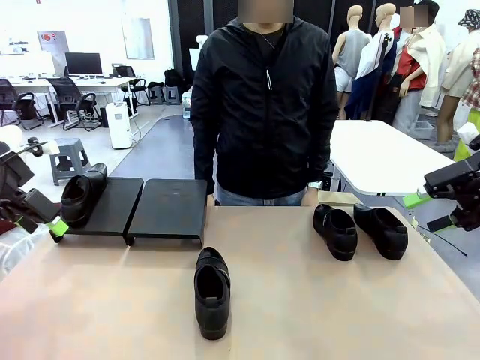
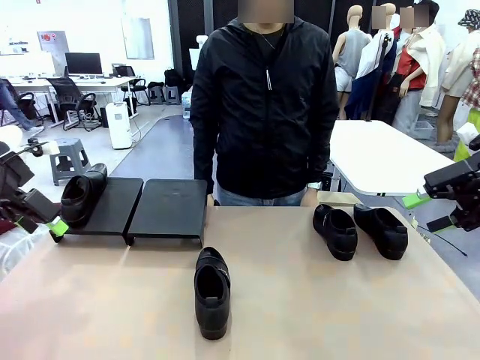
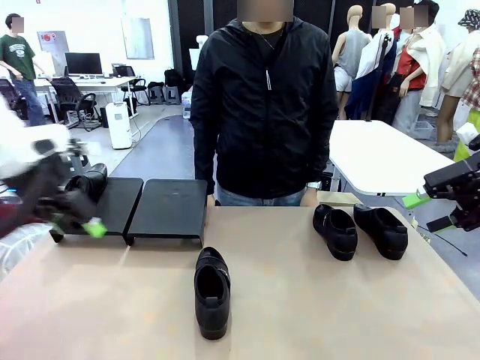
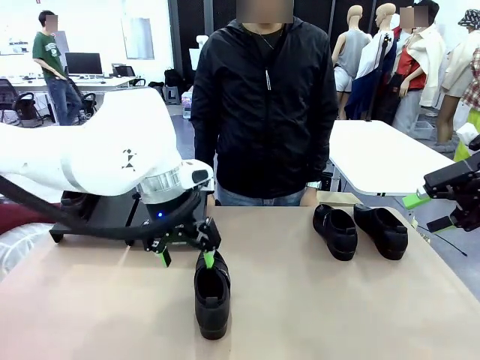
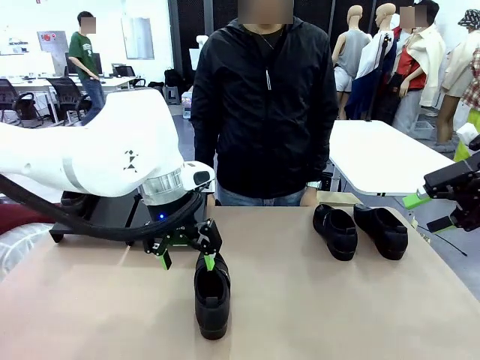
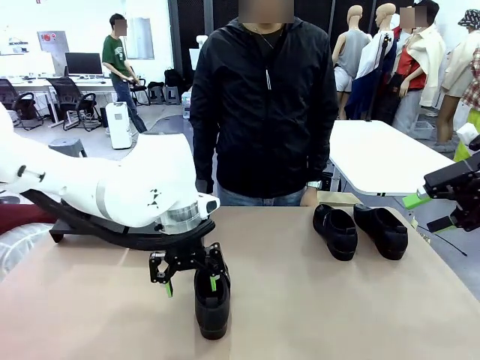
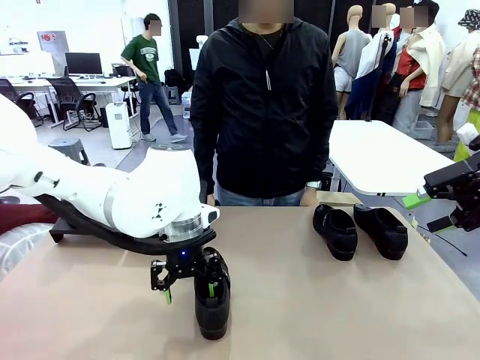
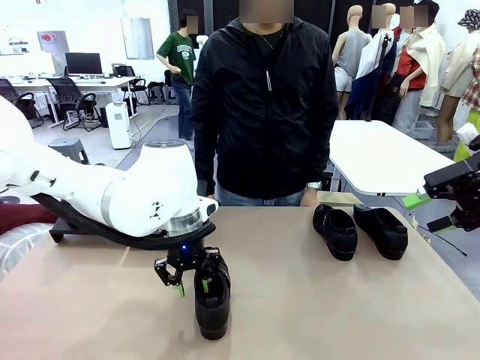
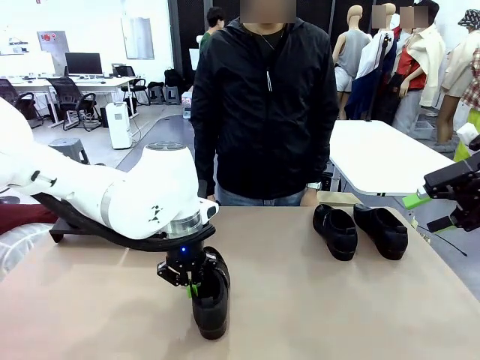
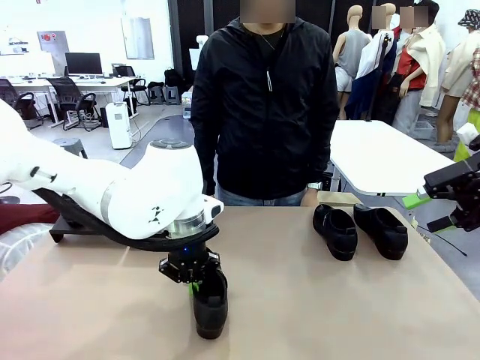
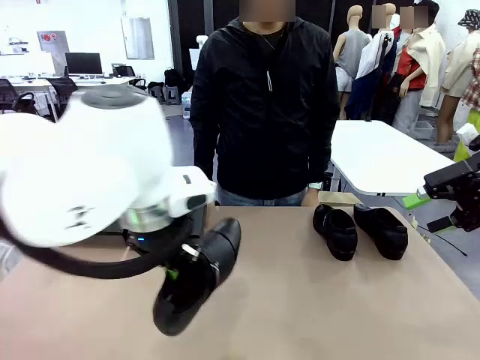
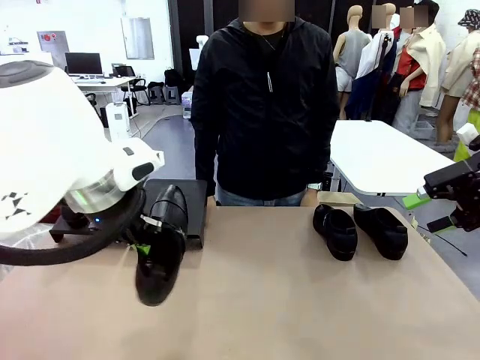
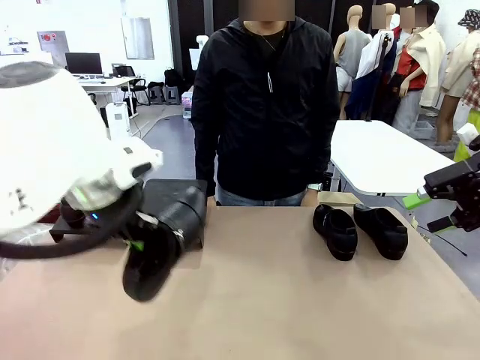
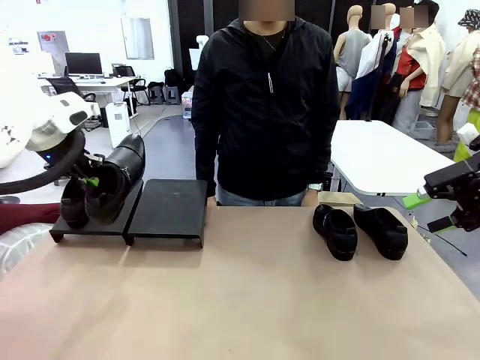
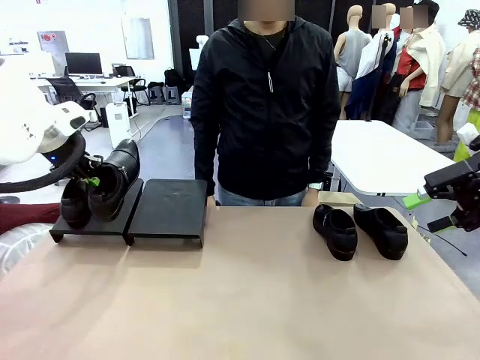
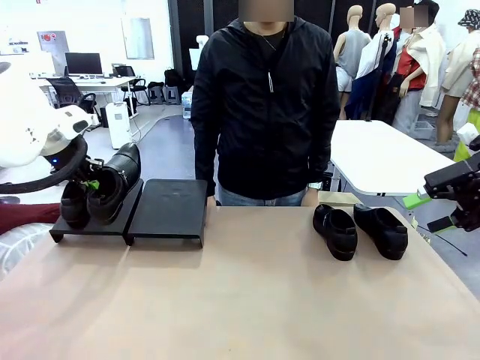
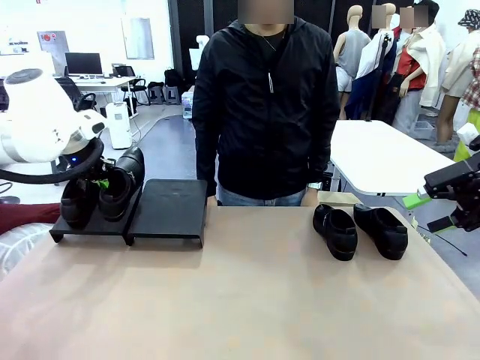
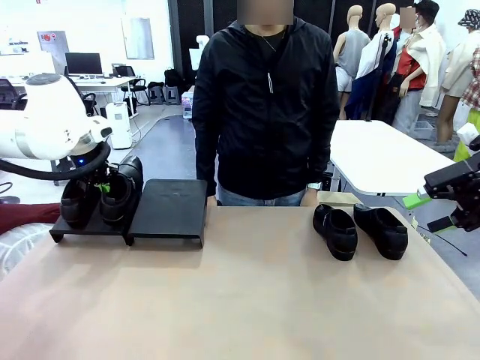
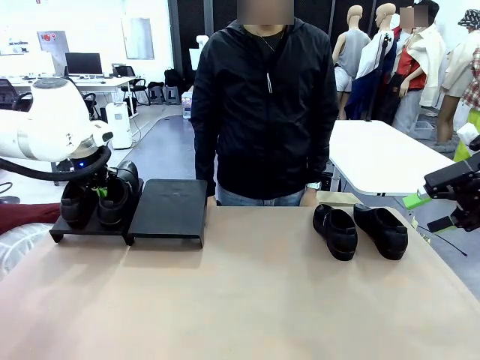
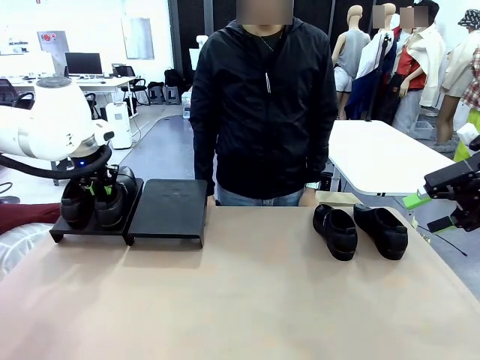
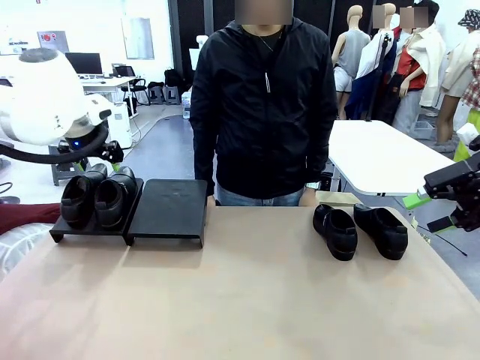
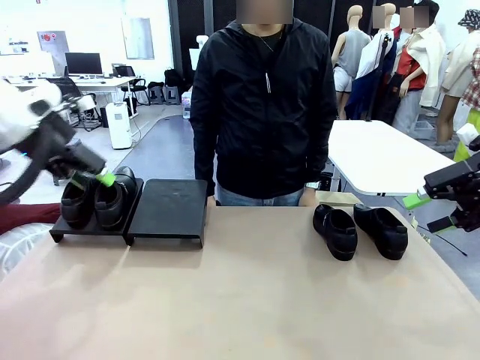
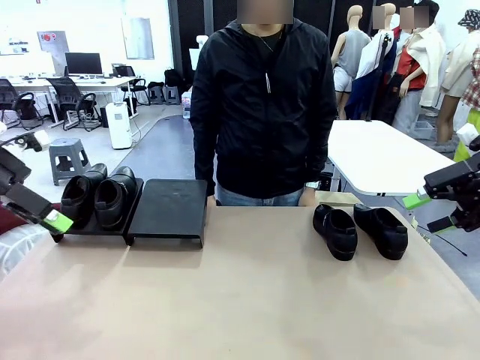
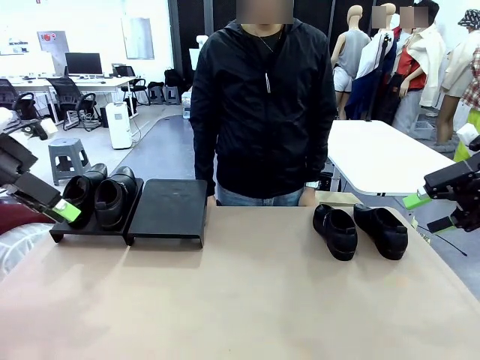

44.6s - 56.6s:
Task: Organize the shoes by placing them on the stand.
Robot: Place the Shoe from the middle of the table onto the Shoes Stand.

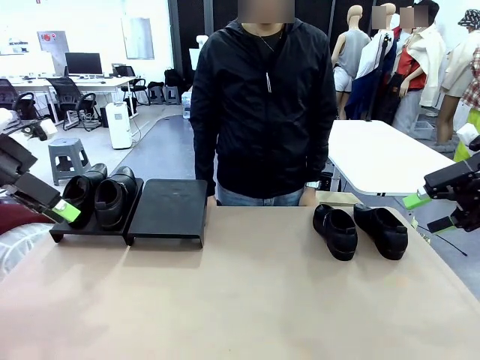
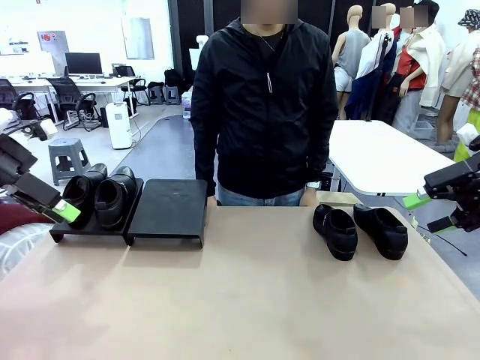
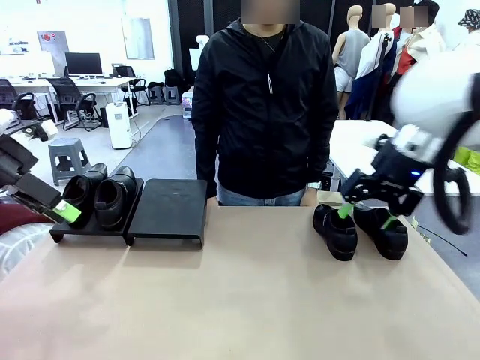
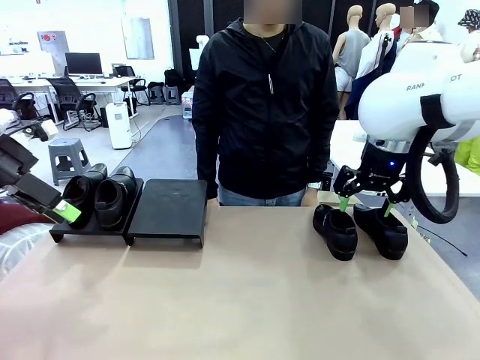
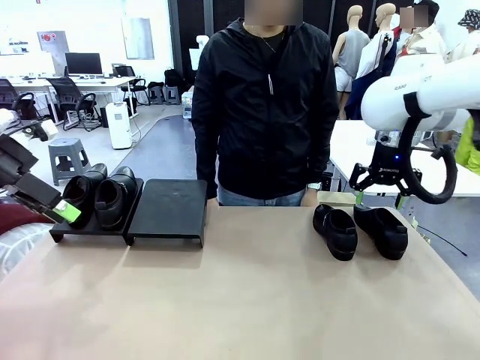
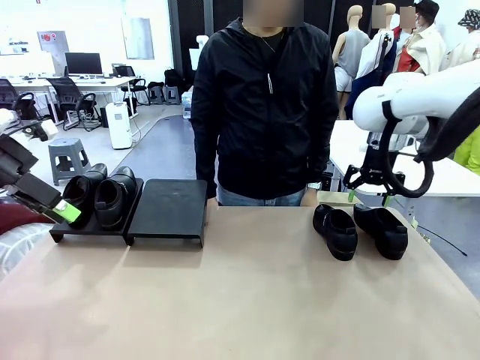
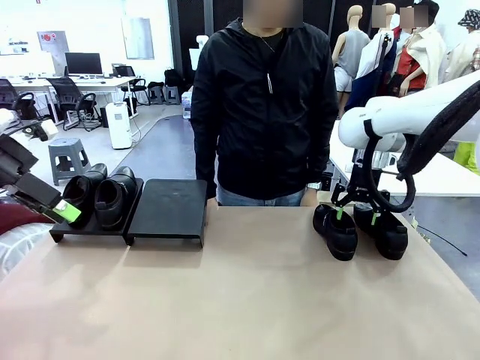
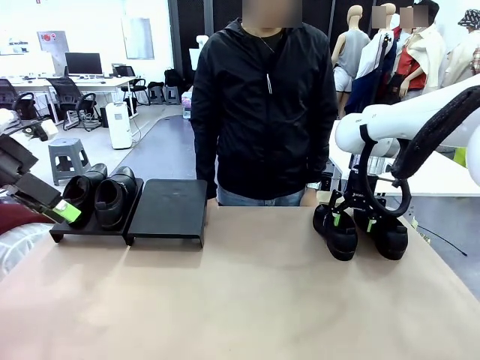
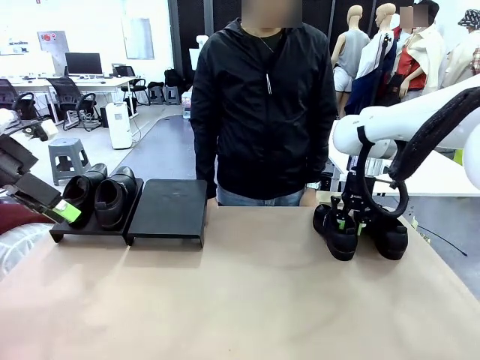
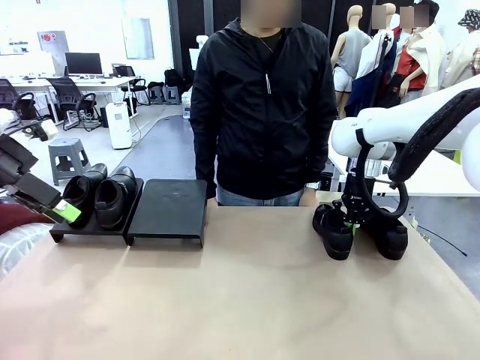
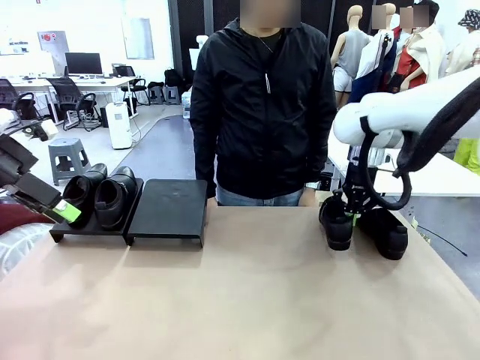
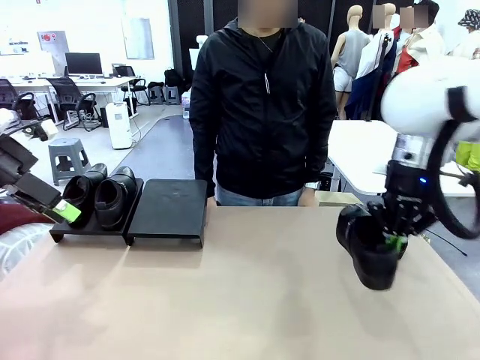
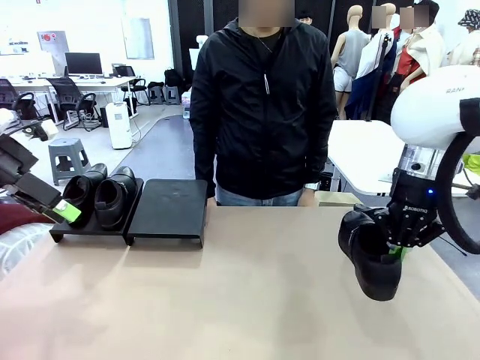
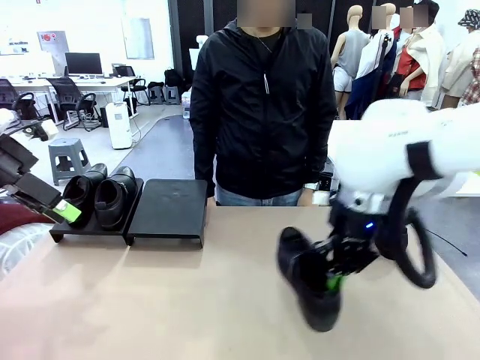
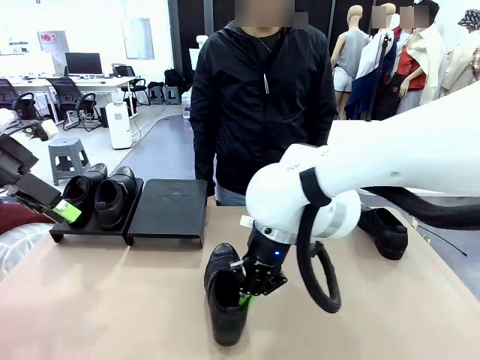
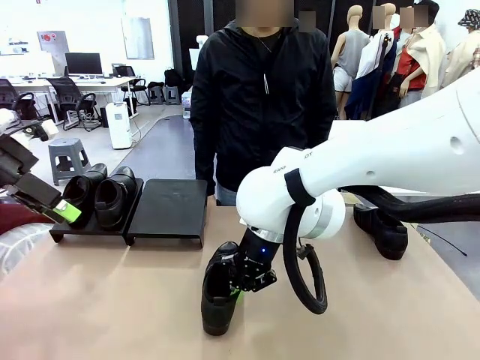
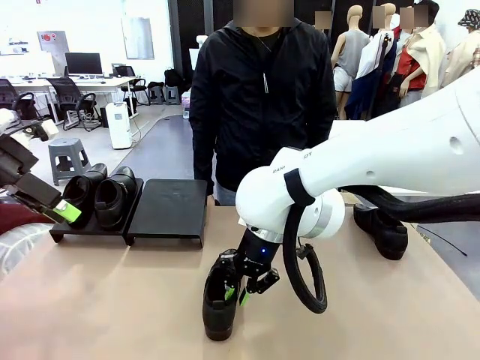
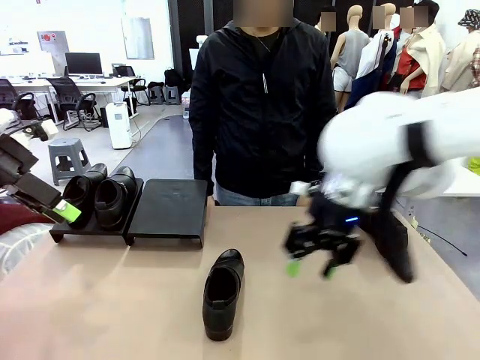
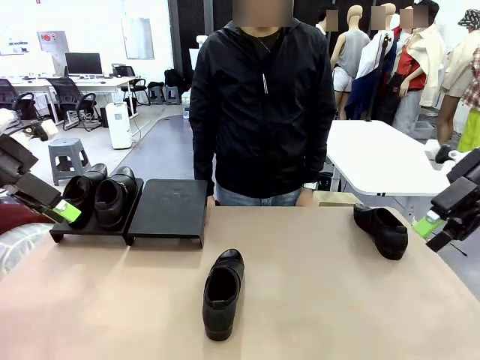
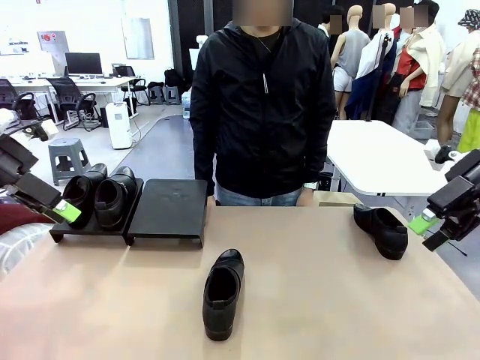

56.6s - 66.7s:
Robot: Pick up one Shoe and place it in the middle of the table.
